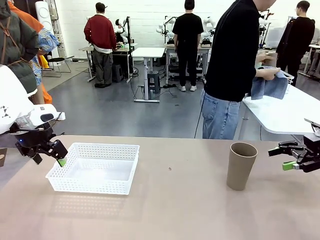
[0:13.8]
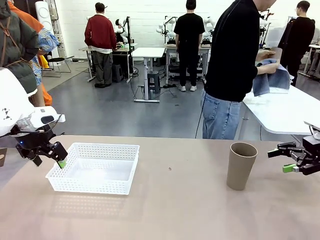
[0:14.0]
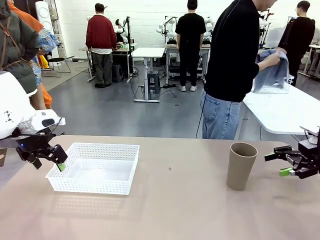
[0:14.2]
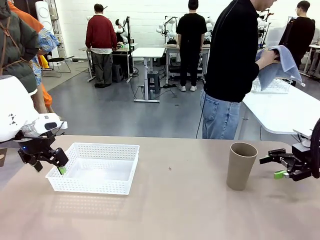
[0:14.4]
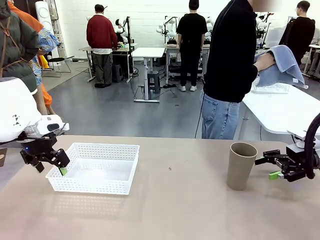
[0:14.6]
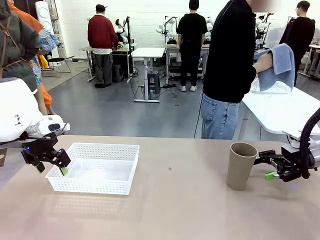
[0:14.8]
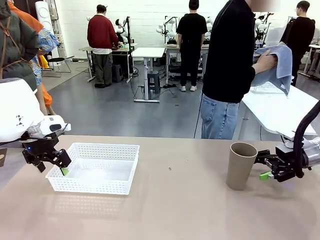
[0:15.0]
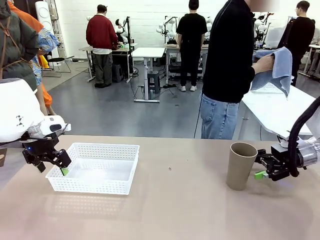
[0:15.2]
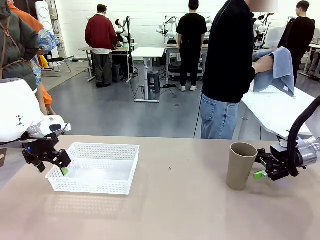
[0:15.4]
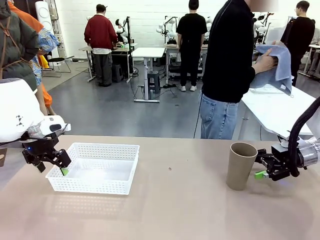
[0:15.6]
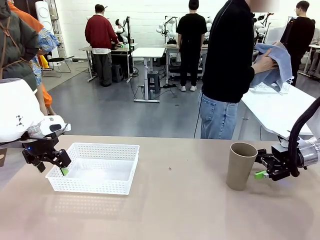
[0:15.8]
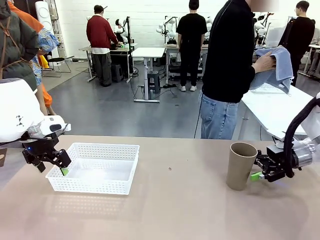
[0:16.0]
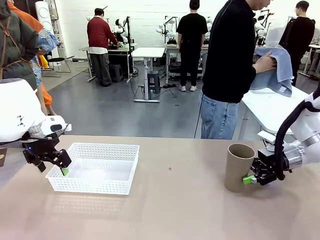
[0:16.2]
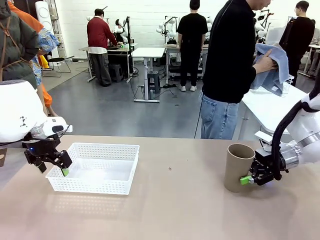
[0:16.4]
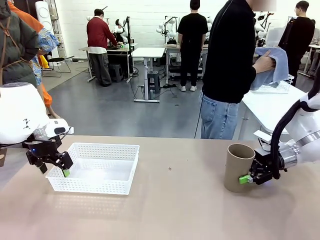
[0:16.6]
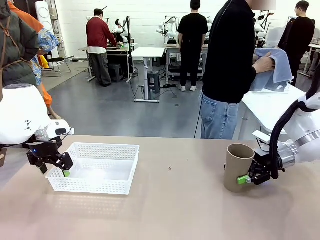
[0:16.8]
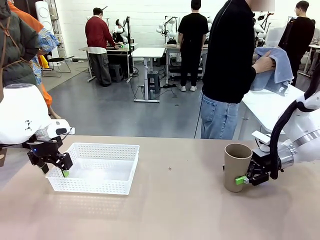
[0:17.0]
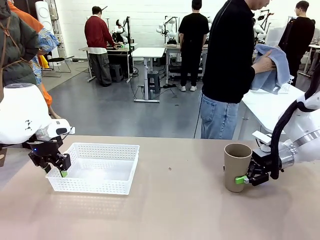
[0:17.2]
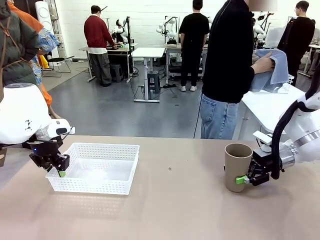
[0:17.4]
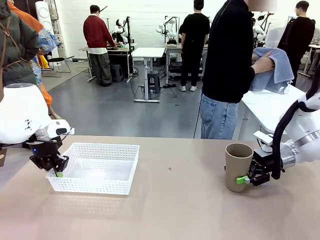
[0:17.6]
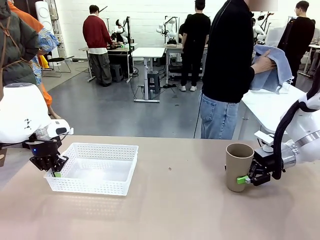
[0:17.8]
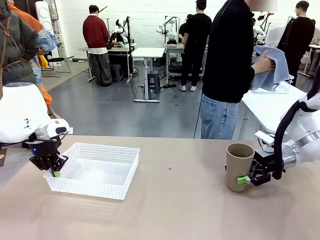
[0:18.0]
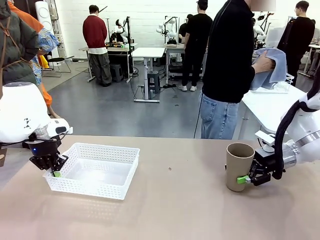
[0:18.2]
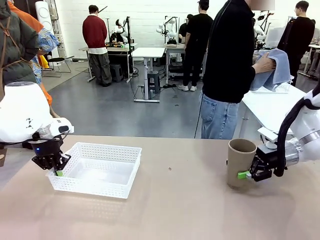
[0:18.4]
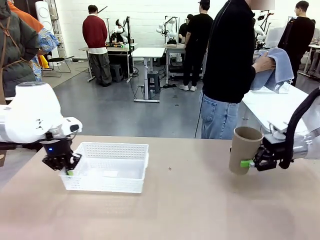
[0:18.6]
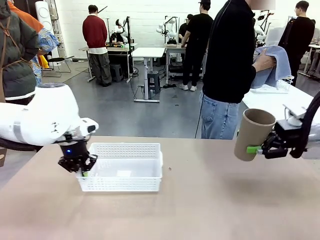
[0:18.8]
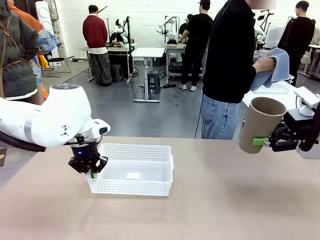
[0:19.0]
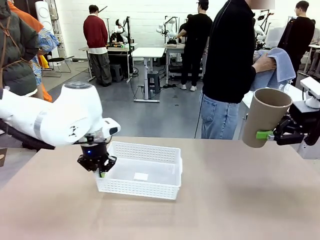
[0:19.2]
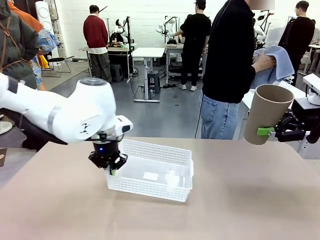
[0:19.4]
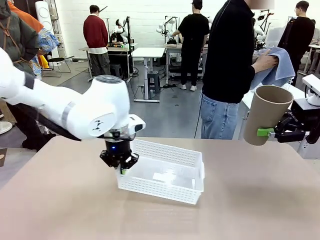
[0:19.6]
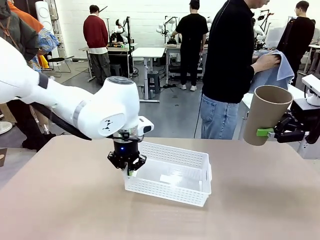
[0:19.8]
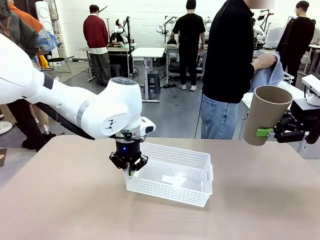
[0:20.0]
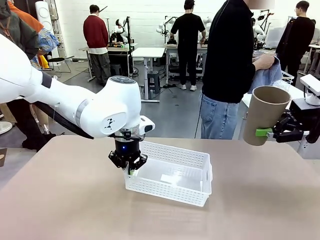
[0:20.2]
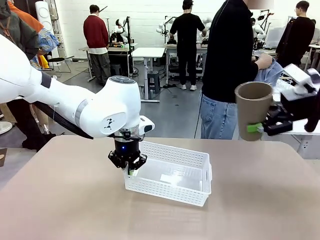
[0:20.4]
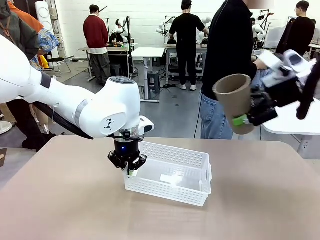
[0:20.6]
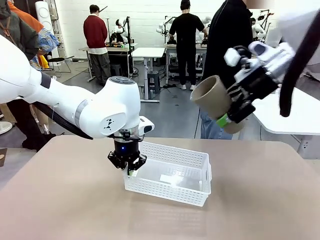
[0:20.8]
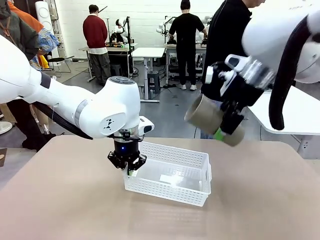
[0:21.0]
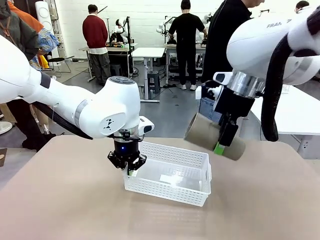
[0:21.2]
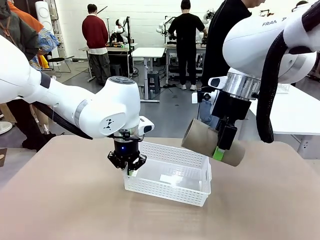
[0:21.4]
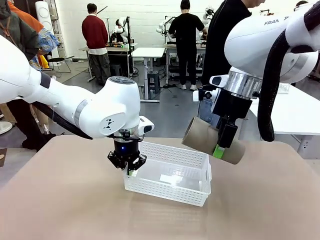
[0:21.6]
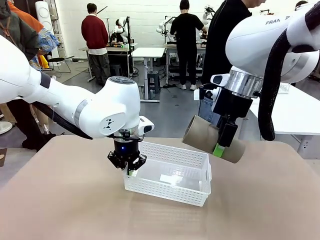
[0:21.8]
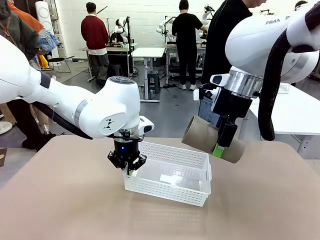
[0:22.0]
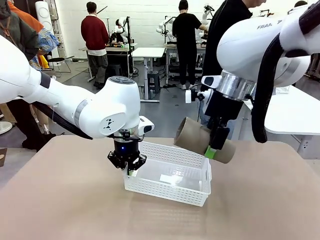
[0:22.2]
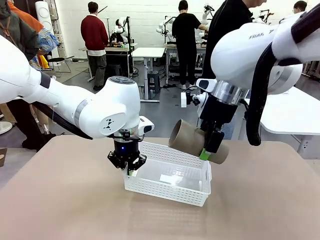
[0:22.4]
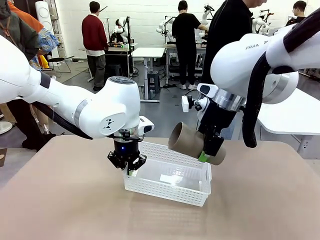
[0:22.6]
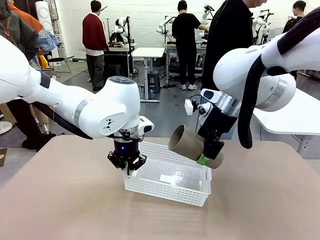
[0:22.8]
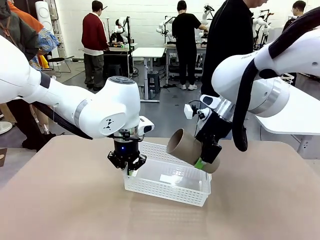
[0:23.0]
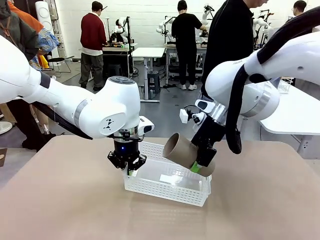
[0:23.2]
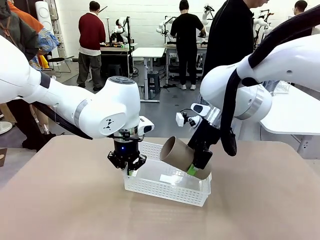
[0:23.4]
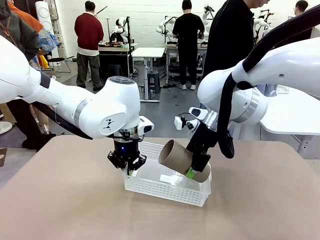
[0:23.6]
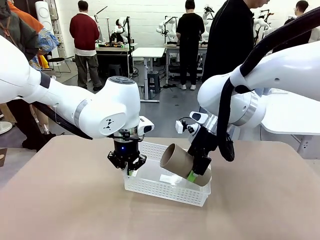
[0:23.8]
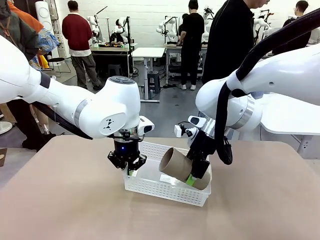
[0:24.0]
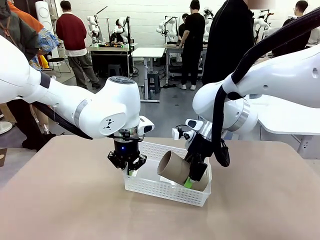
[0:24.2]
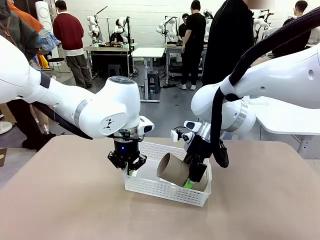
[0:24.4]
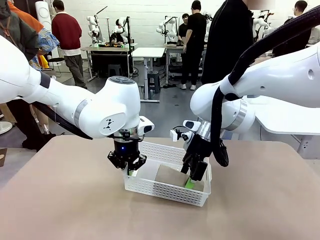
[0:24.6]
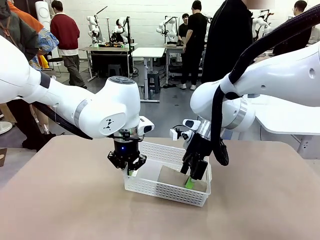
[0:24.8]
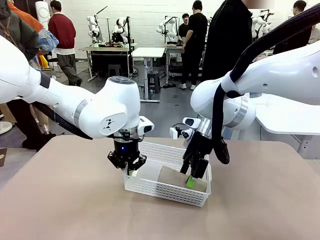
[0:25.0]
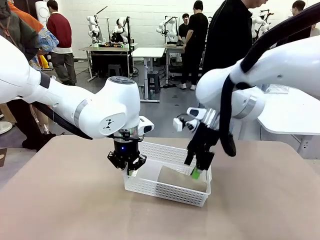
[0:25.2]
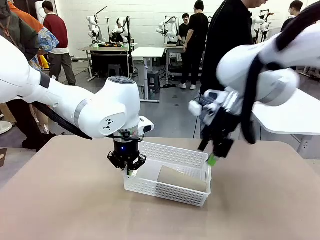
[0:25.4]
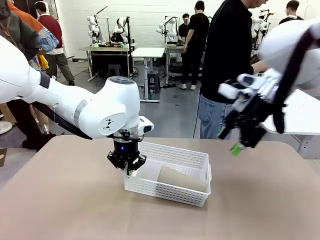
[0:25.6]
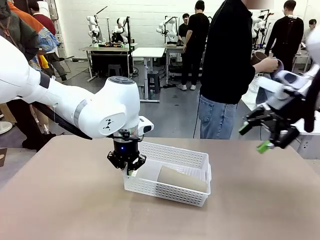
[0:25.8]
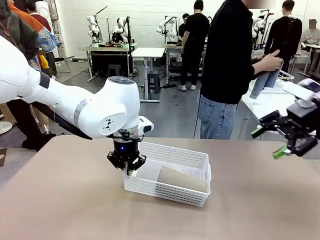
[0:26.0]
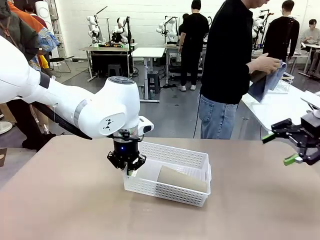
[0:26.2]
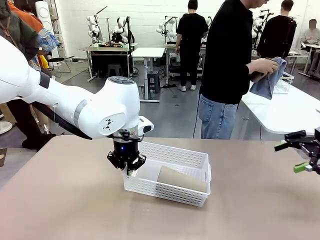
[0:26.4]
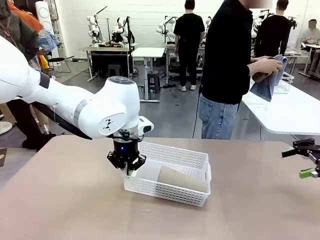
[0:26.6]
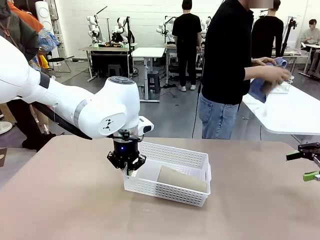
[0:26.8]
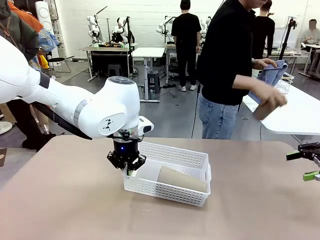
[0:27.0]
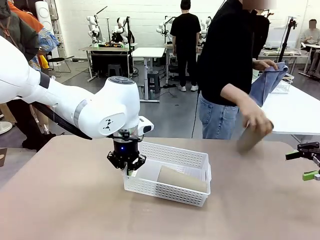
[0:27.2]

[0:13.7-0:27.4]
Task: Clean and organize the cups into the basket.
Robot: Pick up the Organizing basket and move it to the center of the table, then pick up the Reusable plastic cup from the right side of the table and place it inside the Organizing basket.

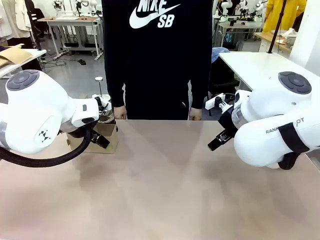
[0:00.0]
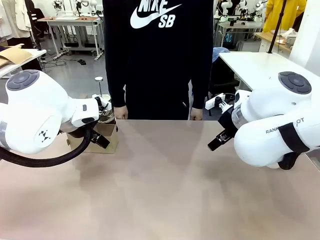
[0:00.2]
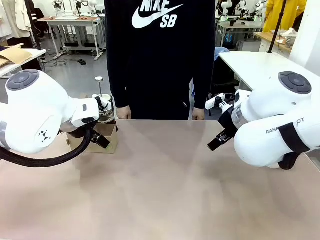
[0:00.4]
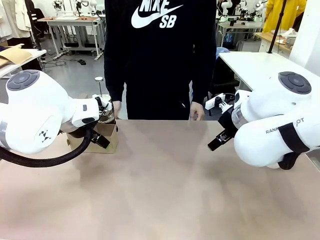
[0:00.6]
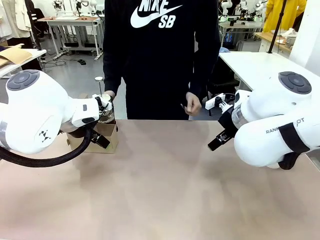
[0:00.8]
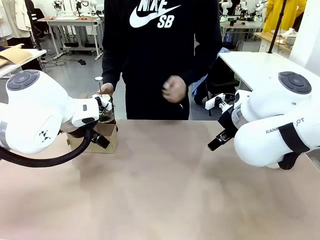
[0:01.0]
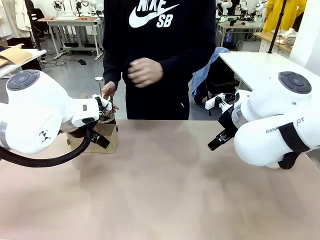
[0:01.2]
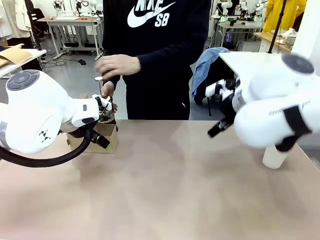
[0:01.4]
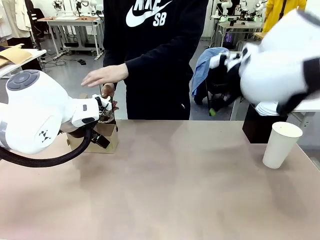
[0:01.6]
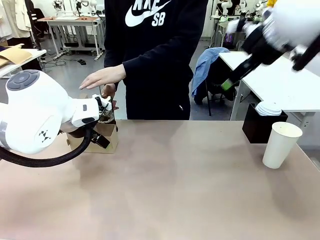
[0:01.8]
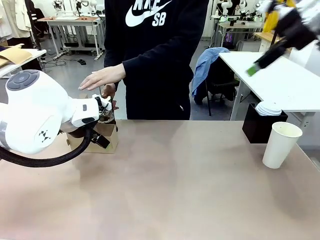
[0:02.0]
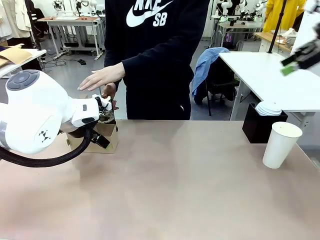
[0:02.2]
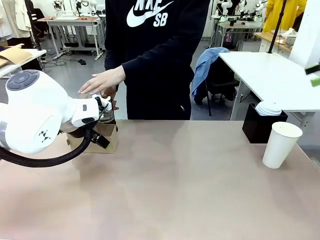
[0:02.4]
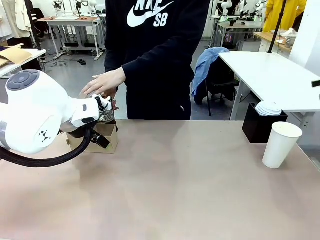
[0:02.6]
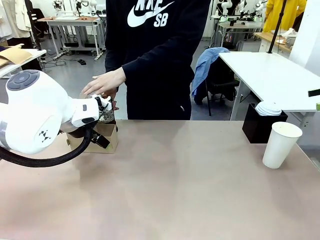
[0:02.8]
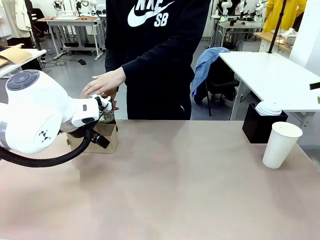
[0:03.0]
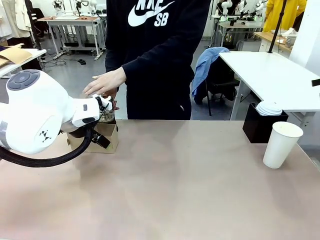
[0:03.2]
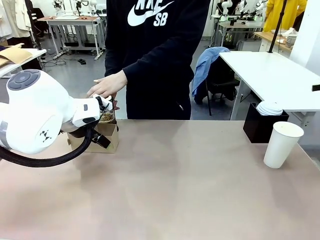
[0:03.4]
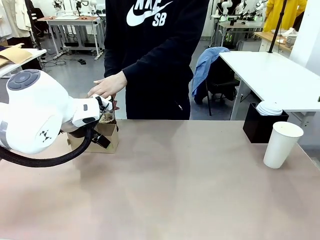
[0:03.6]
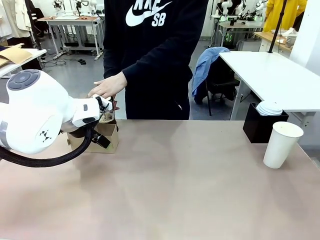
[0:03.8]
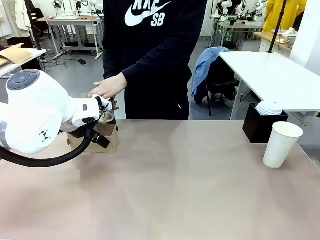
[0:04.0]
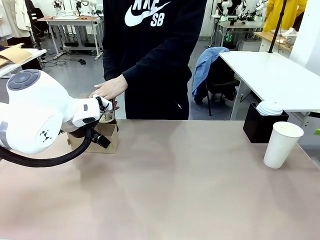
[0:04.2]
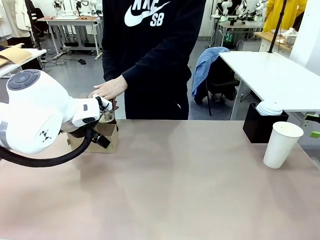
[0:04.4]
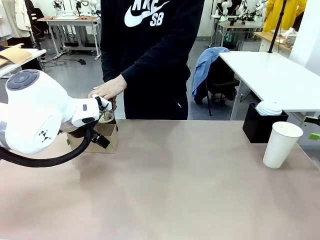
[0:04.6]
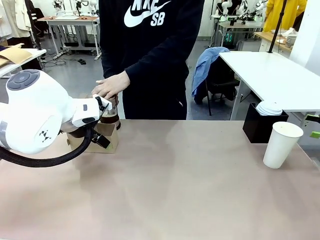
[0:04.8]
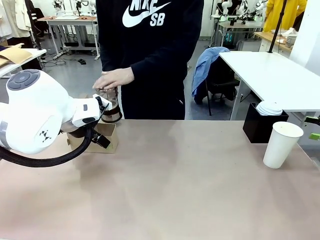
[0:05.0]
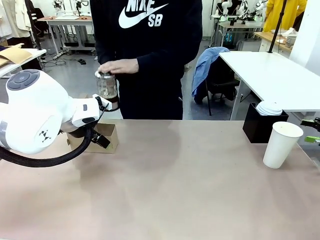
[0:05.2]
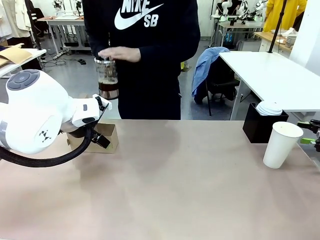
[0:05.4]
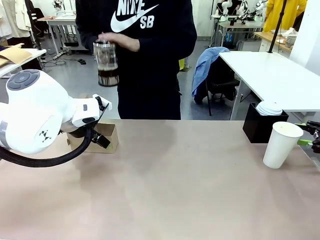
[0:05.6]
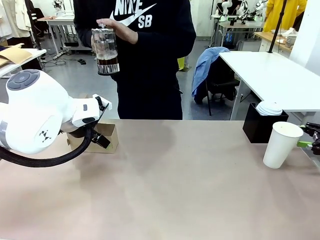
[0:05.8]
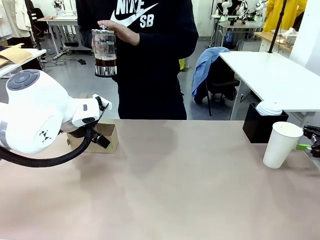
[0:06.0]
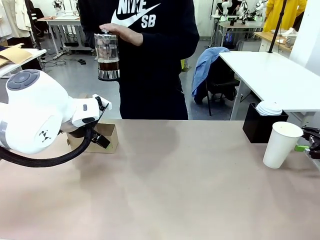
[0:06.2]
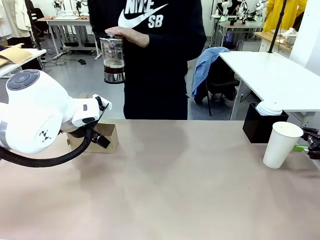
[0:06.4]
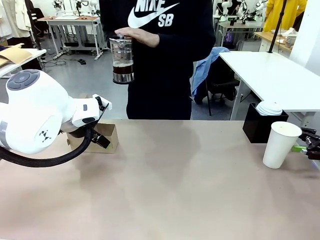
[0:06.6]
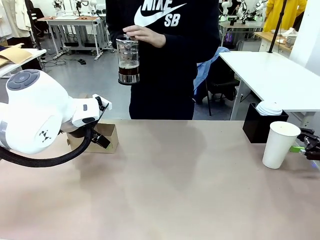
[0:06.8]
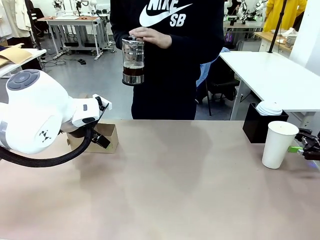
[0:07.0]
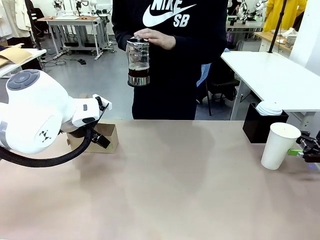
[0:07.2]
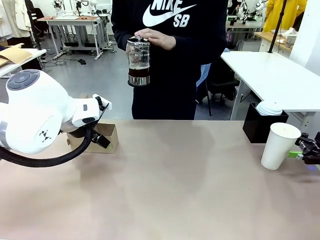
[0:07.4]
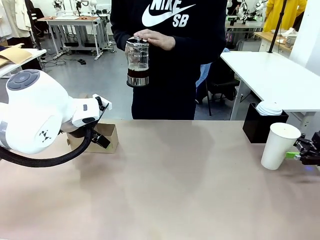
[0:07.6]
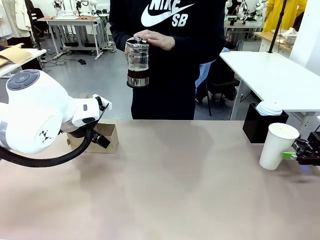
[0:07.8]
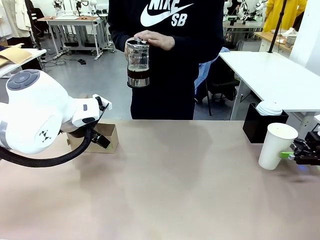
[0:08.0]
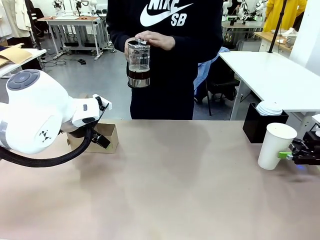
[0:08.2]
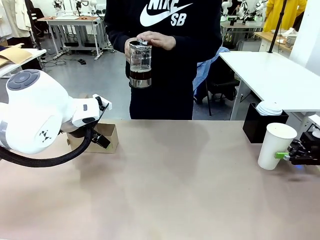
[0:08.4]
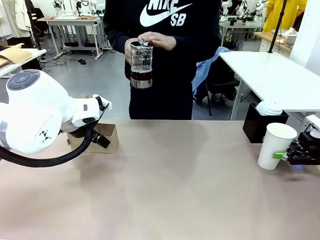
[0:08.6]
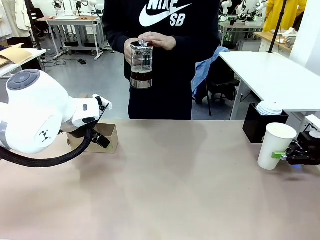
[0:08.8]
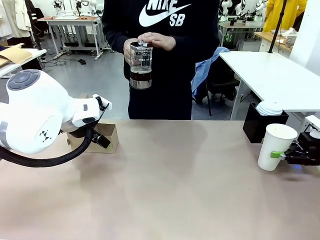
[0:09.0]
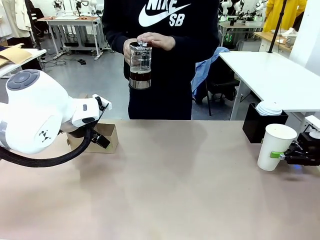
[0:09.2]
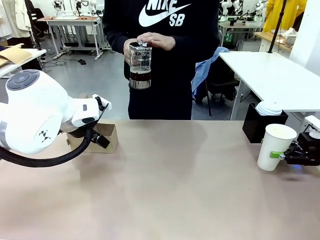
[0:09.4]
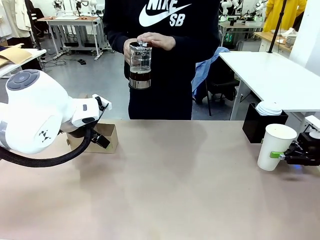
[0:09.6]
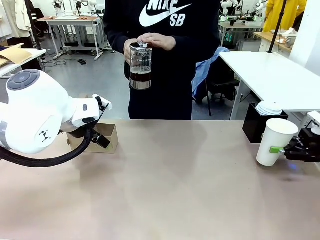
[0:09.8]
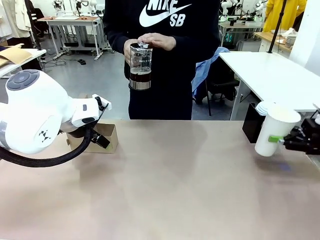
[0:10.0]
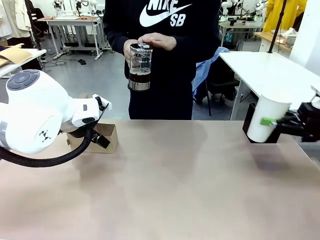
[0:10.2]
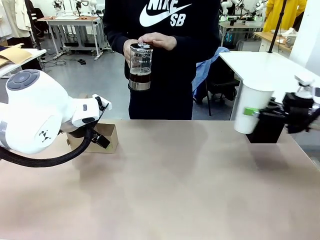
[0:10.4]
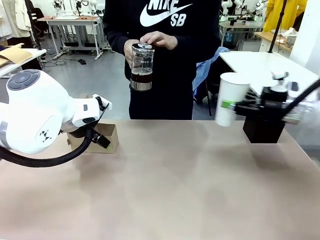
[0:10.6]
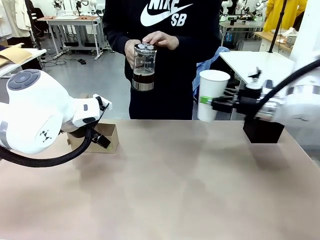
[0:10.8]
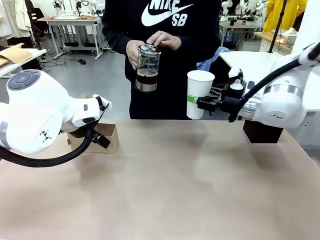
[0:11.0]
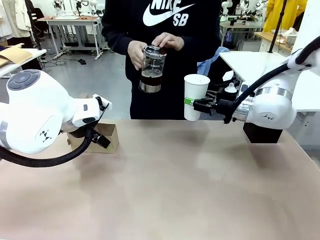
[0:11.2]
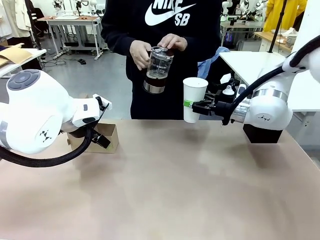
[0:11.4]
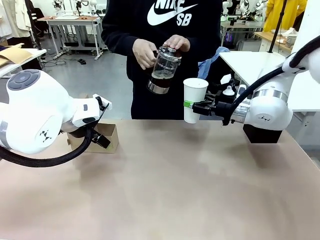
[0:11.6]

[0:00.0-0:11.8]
Task: Pour a drink into a cup and package it in a carrier.
Robot: Pick up the 600 ml Paper Cup and place it in the middle top area of the table.
Person: Press and pick up the Filter Brewing. Pour the drink from the Filter Brewing into the 600 ml Paper Cup.
